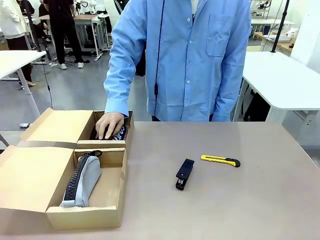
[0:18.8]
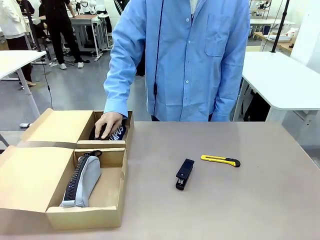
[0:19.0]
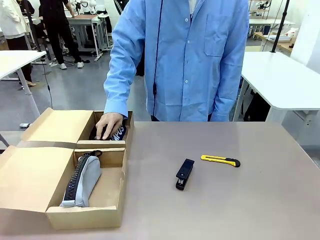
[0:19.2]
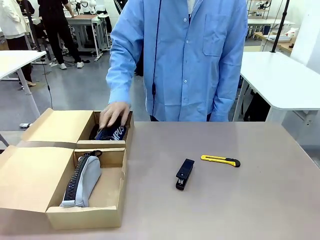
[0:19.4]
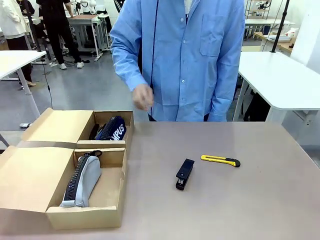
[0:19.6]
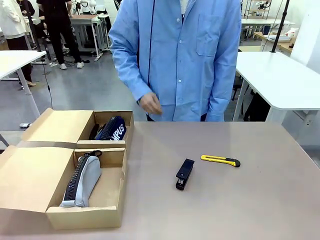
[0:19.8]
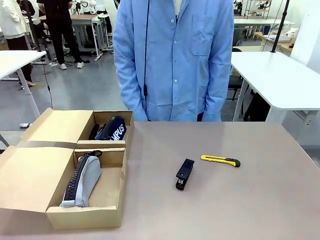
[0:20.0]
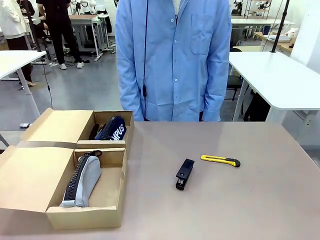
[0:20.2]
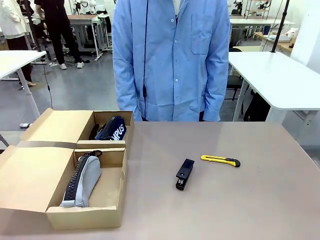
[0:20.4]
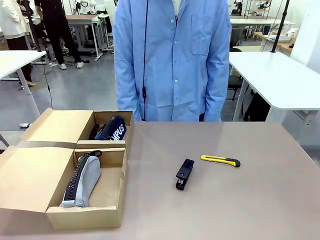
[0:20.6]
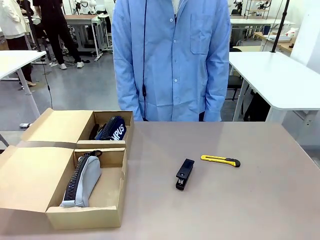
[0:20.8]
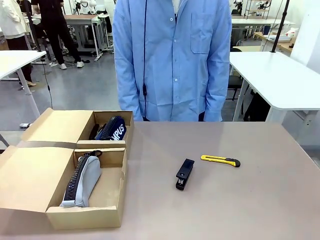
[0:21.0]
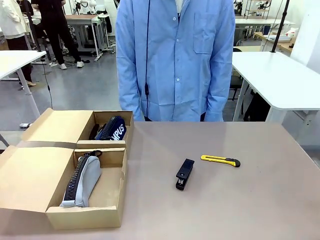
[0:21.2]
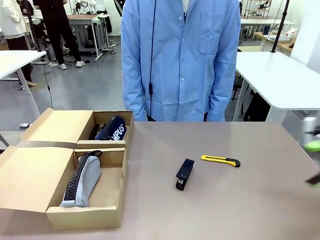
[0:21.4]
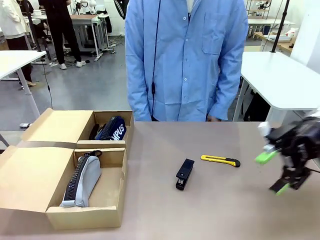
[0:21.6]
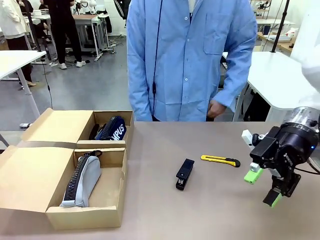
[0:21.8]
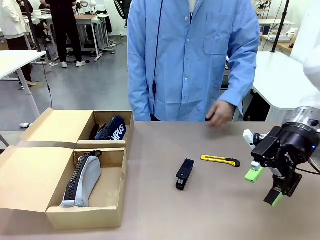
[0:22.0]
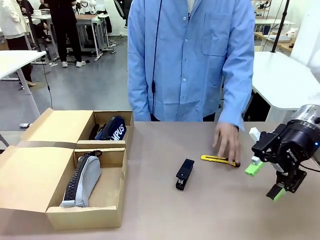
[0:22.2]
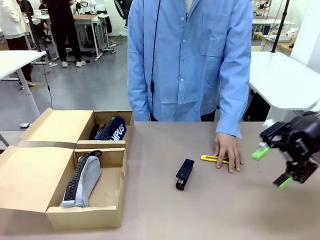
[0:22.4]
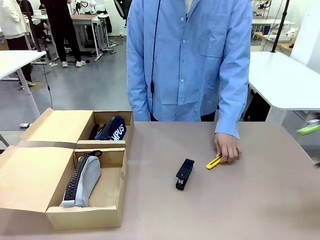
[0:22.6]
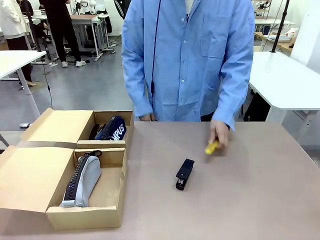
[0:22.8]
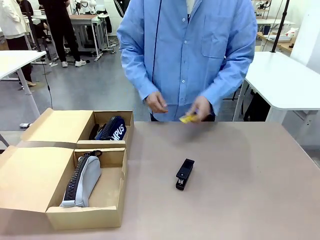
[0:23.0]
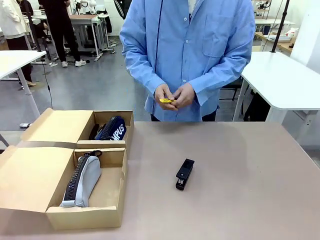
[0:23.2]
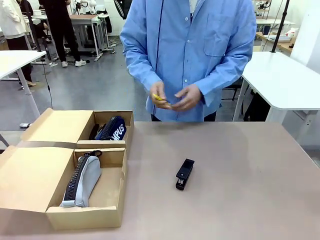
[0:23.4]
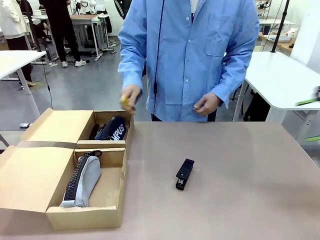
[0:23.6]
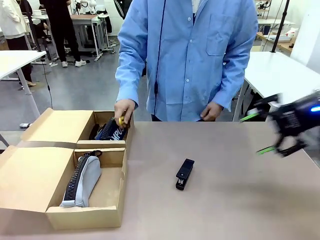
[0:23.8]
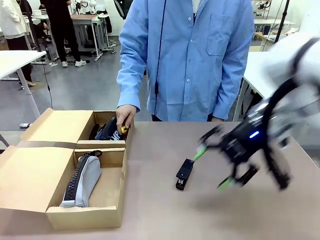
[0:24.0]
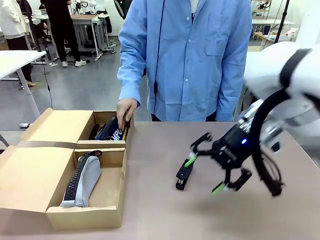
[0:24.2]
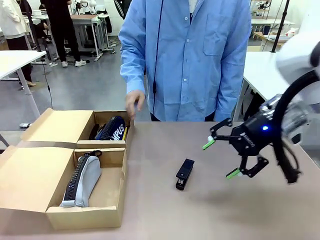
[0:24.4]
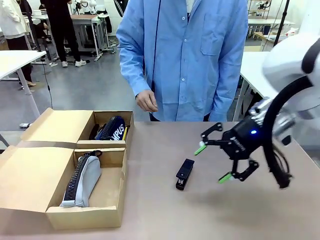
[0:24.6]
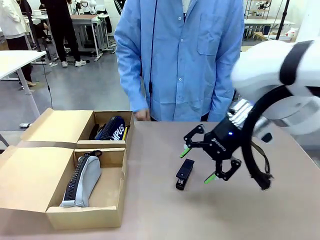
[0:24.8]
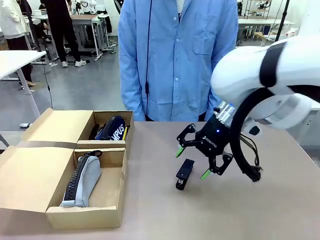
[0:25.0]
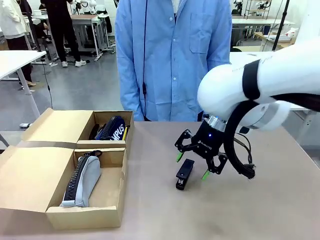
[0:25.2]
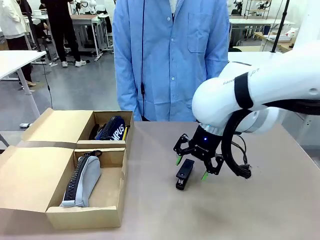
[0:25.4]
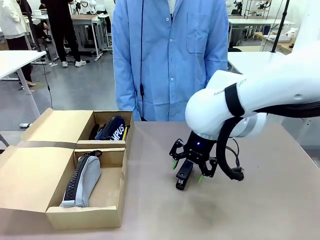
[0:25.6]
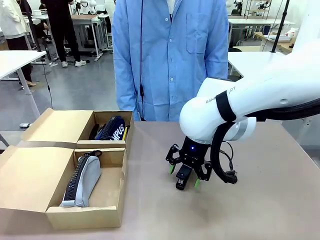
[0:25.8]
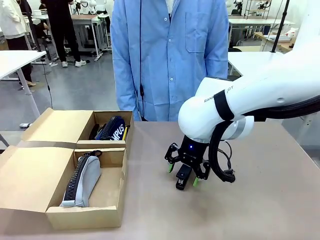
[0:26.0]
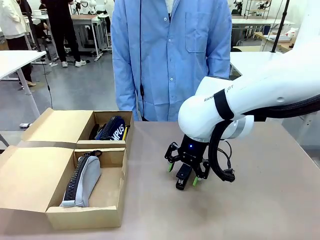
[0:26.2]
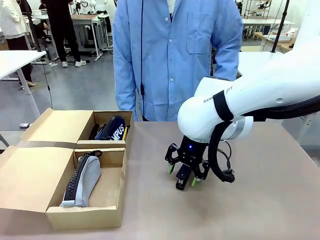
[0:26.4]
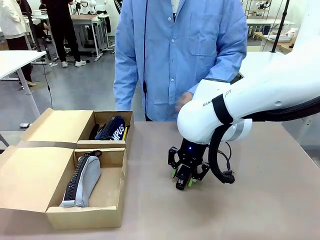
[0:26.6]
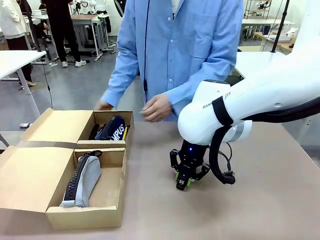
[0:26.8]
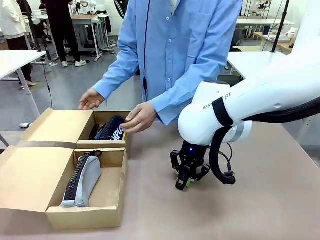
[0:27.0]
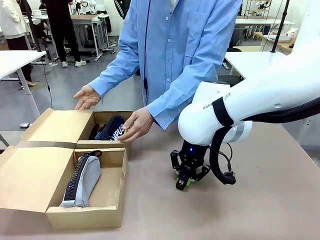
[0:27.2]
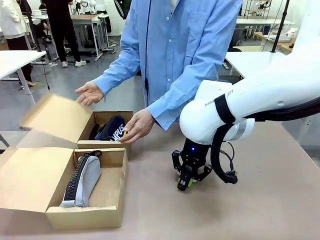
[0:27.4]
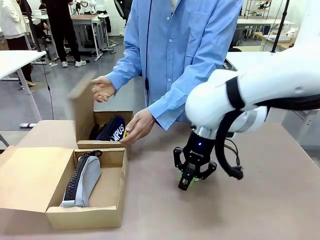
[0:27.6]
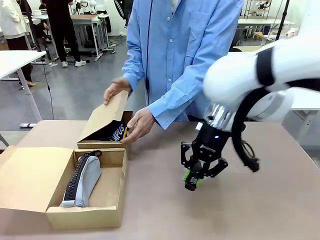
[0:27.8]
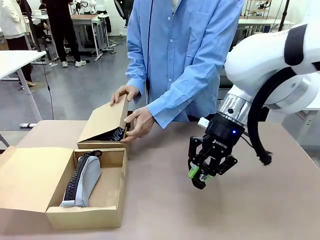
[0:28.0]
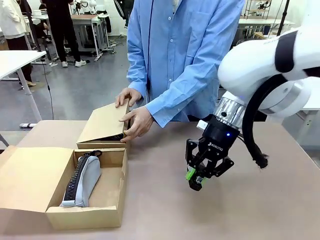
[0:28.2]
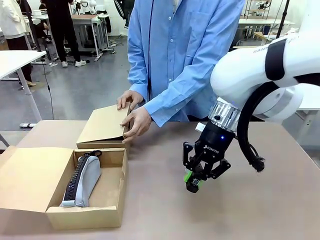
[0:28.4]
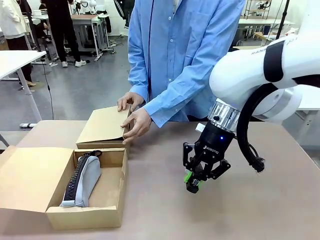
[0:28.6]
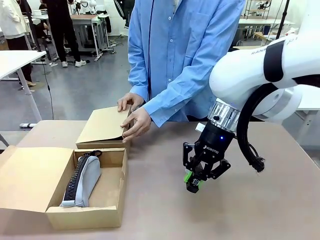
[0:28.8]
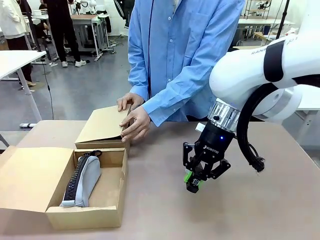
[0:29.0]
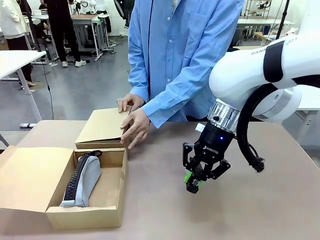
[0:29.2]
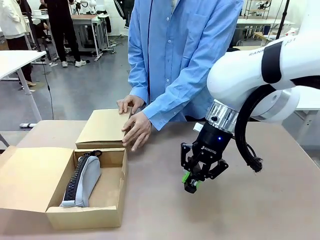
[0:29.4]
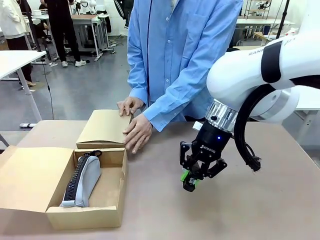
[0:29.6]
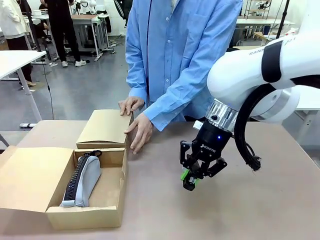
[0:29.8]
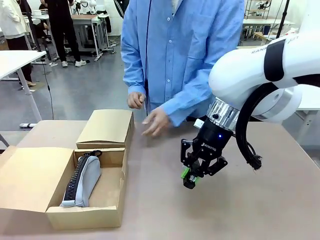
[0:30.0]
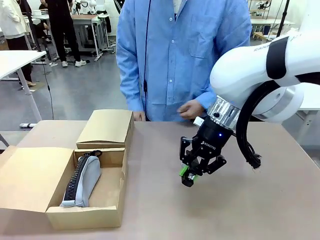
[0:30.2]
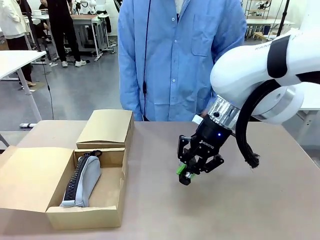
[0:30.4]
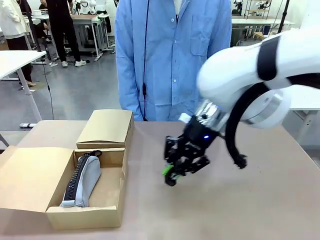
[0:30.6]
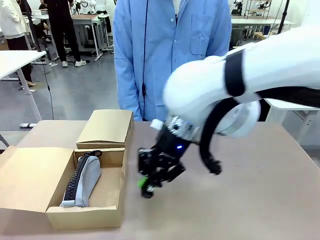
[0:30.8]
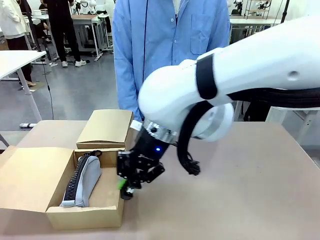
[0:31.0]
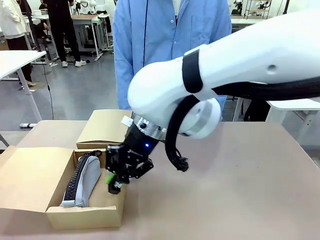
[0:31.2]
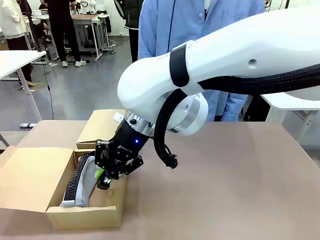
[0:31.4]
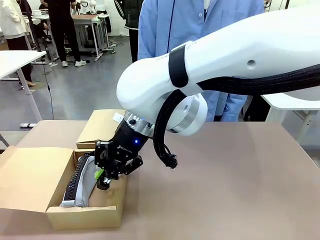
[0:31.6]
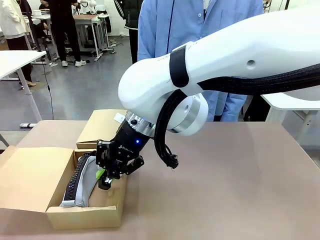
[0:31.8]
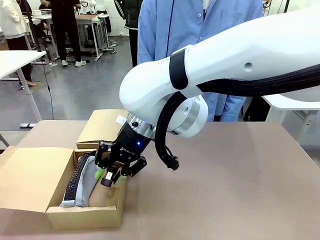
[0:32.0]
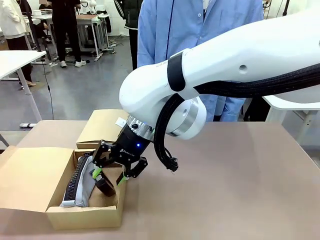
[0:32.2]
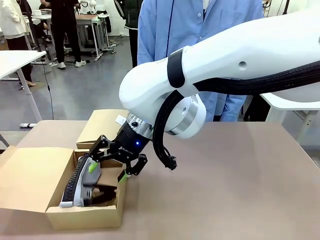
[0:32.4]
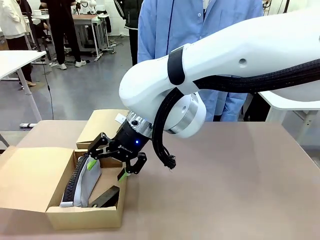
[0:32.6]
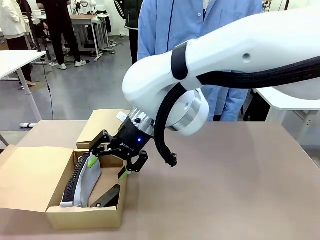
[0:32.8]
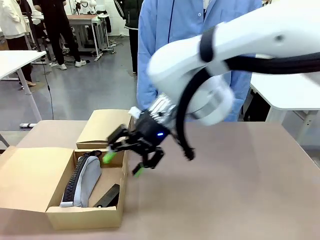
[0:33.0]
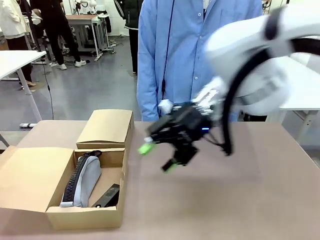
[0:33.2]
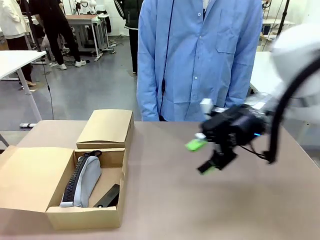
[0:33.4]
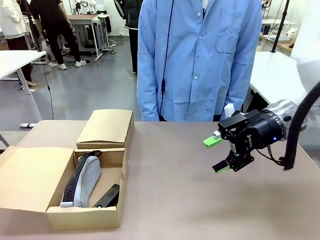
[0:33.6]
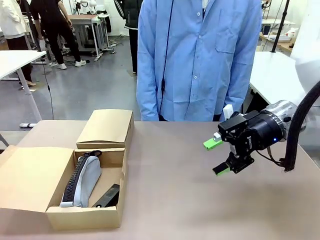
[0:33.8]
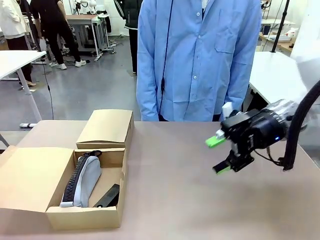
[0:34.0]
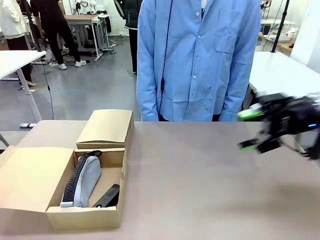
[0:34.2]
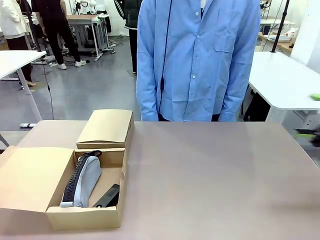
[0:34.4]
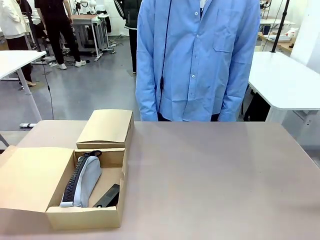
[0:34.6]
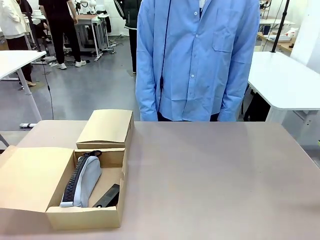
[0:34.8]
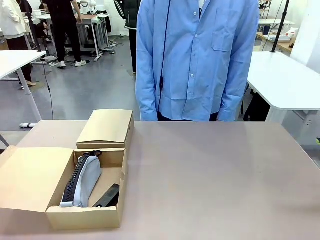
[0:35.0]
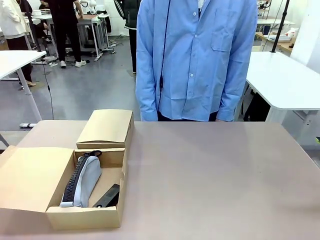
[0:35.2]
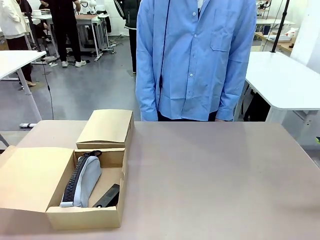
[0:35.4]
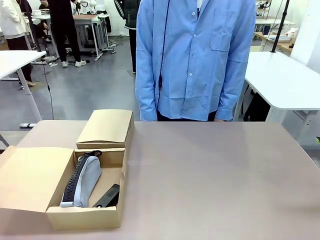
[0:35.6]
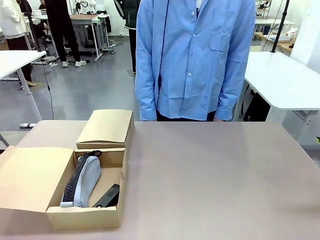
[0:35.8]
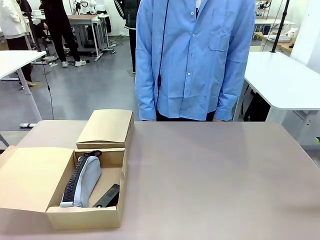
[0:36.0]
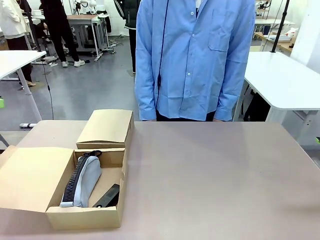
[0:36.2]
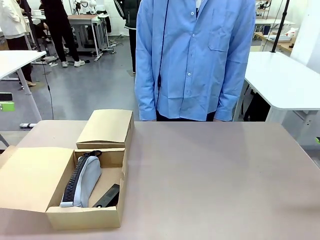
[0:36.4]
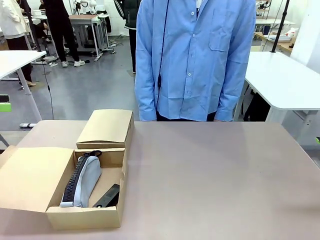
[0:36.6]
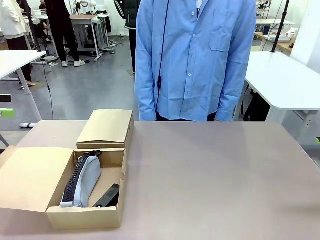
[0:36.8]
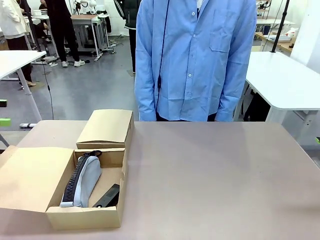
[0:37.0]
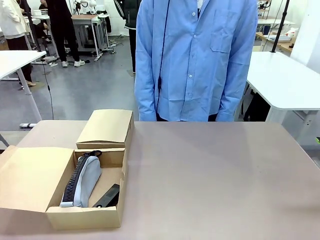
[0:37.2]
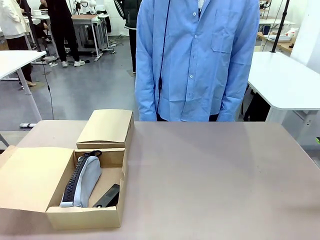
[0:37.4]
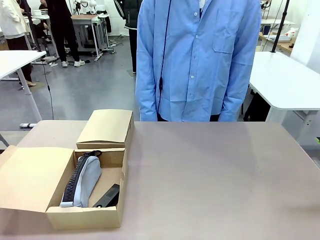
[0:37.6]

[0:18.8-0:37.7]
Task: Place items inside the box.
Robot: Pick up a Pencil pouch or Stapler and place it inside the Mailer Box closest to the robot.
Person: Close the lid of the box facing the person.

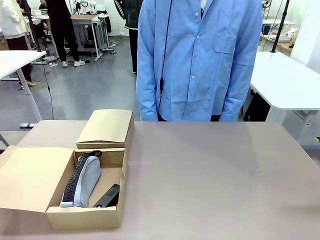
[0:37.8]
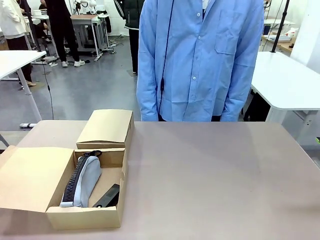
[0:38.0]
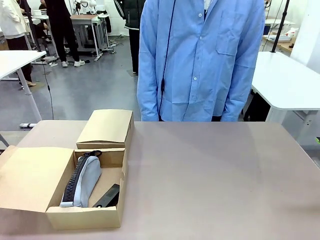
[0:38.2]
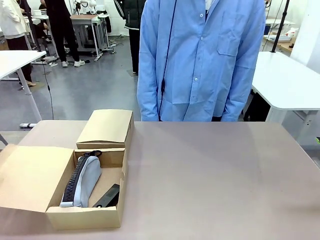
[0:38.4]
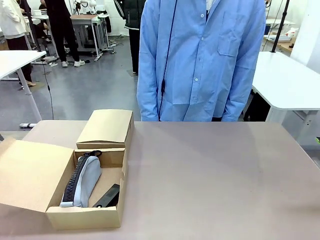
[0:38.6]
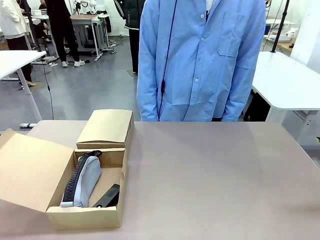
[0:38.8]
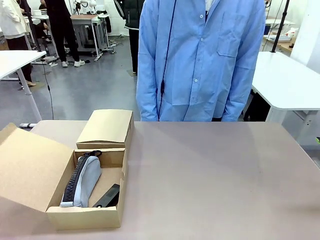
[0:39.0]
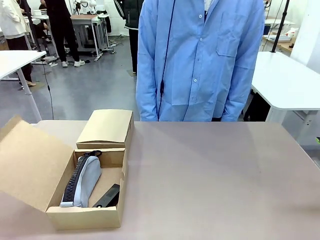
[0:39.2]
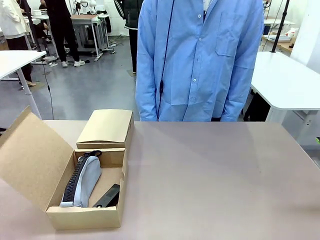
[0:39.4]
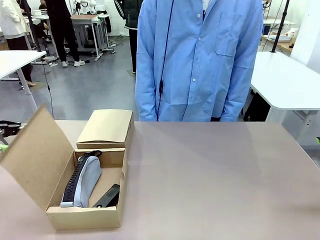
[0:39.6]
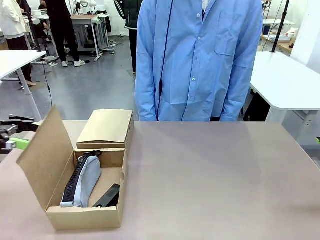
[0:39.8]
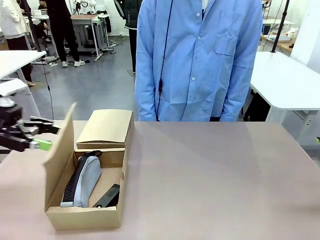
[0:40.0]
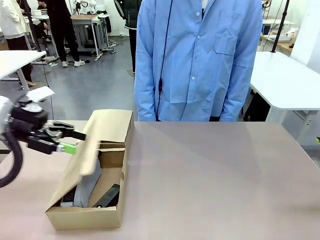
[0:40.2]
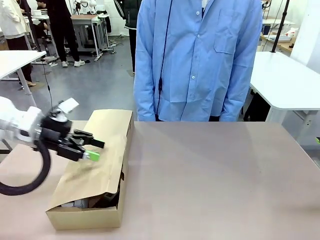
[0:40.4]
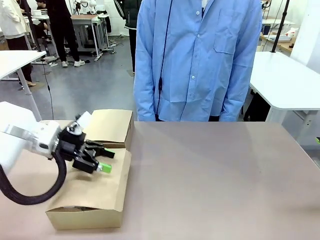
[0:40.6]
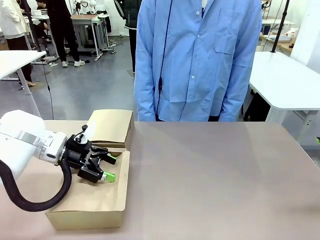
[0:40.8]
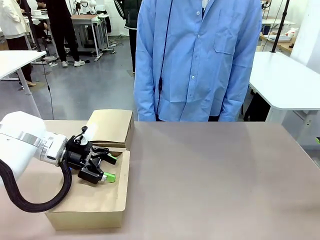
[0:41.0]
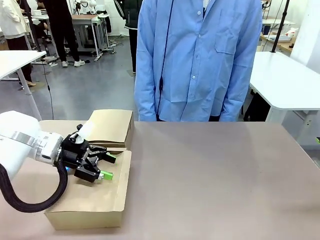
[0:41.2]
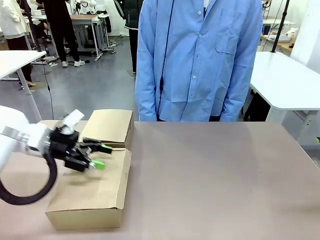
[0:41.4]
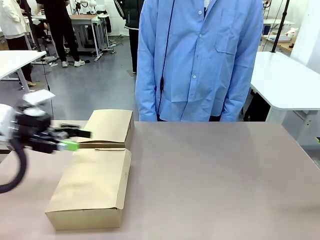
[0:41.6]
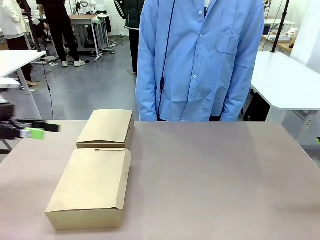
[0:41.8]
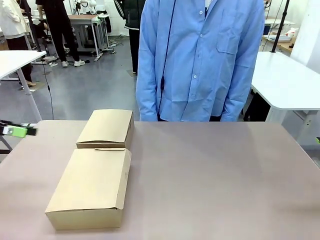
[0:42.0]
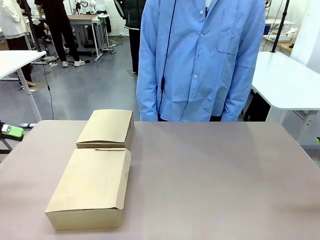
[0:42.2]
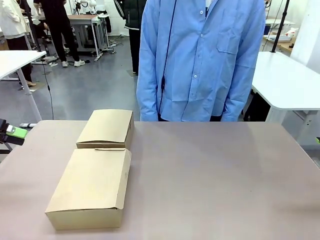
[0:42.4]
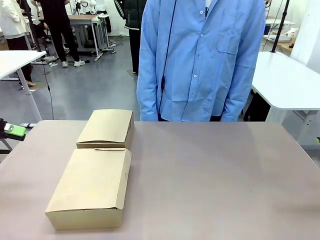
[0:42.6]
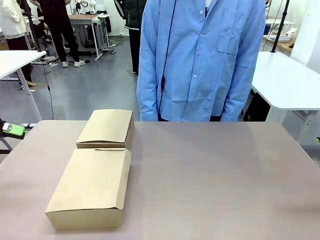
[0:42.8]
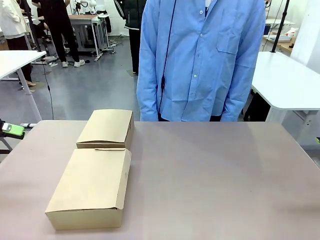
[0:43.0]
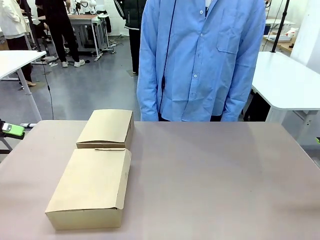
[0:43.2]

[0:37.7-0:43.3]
Robot: Close the lid of the Mailer Box closest to the robot.
